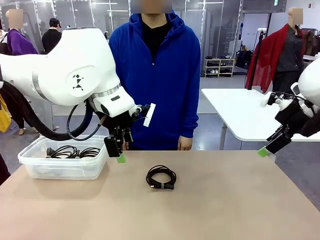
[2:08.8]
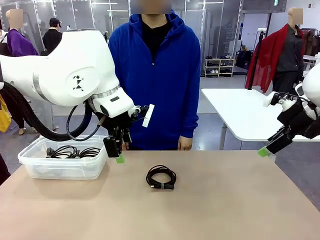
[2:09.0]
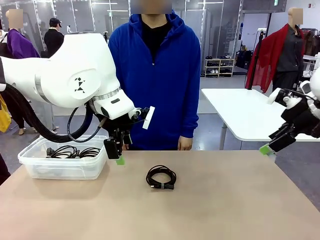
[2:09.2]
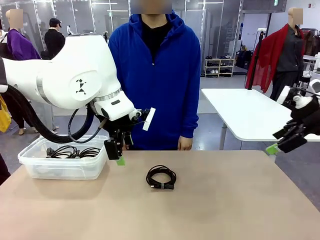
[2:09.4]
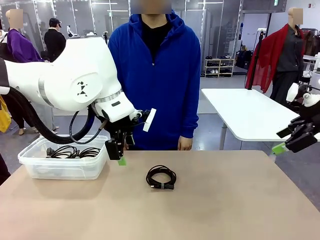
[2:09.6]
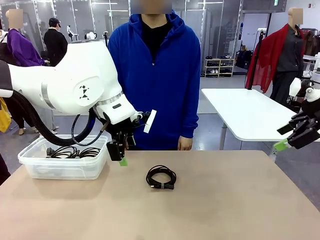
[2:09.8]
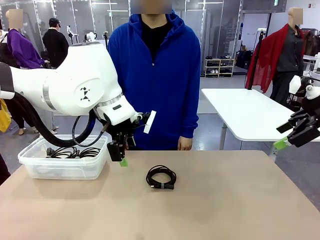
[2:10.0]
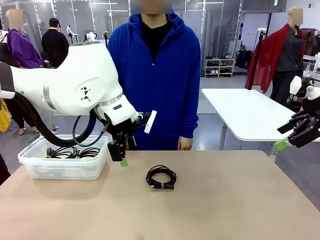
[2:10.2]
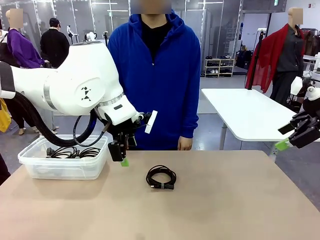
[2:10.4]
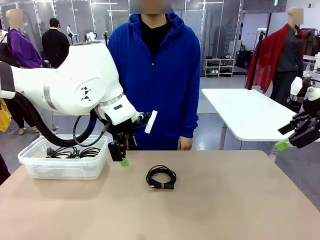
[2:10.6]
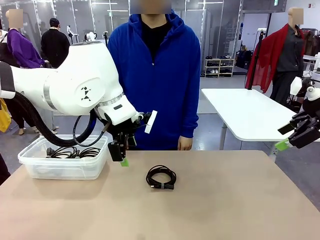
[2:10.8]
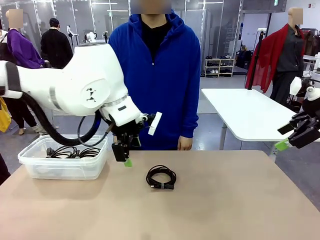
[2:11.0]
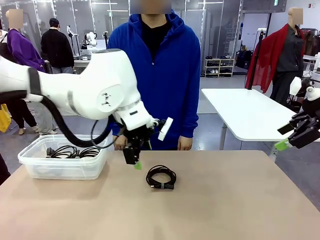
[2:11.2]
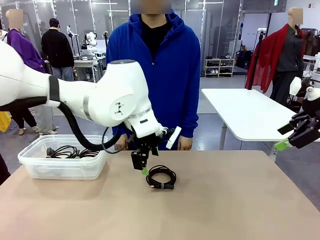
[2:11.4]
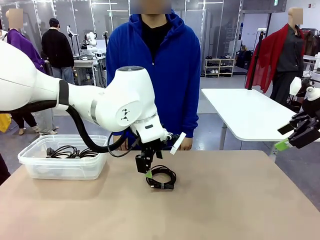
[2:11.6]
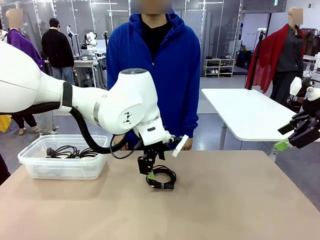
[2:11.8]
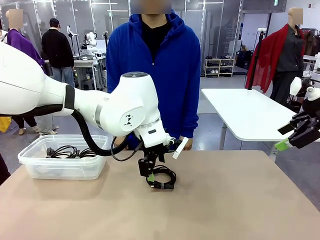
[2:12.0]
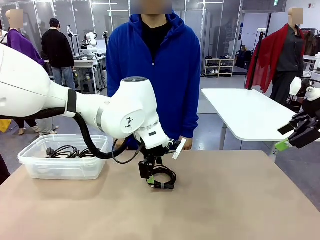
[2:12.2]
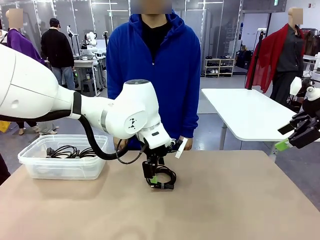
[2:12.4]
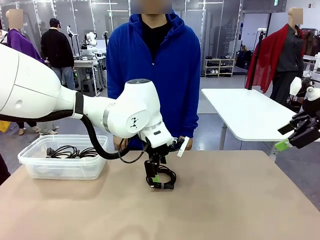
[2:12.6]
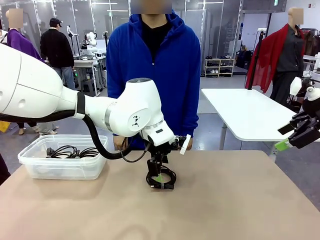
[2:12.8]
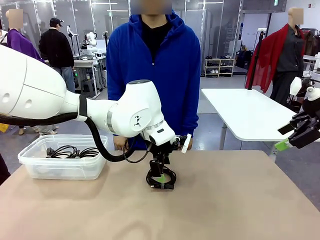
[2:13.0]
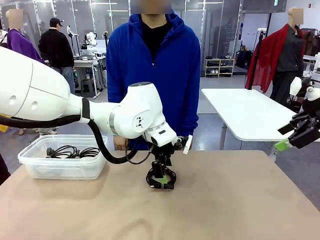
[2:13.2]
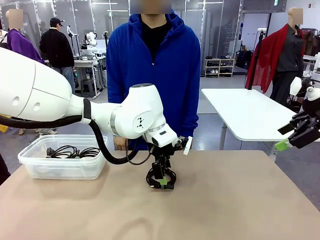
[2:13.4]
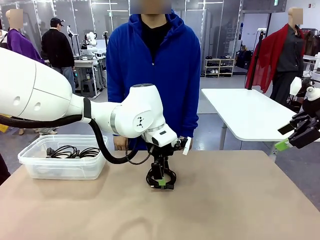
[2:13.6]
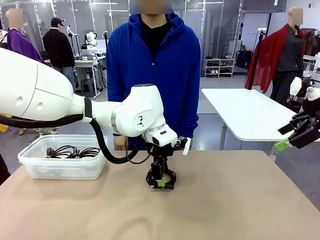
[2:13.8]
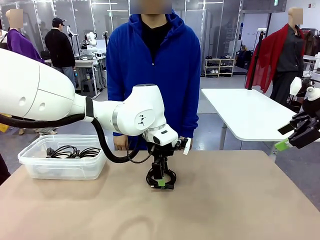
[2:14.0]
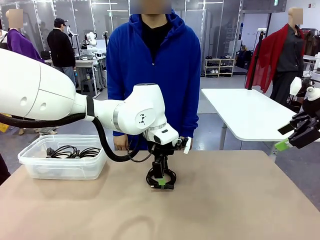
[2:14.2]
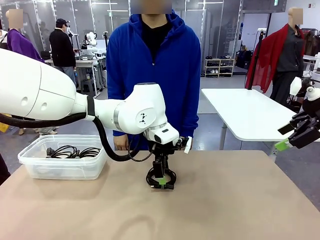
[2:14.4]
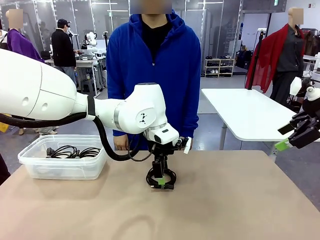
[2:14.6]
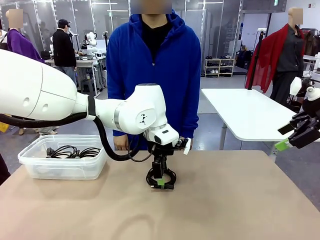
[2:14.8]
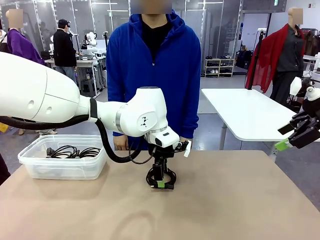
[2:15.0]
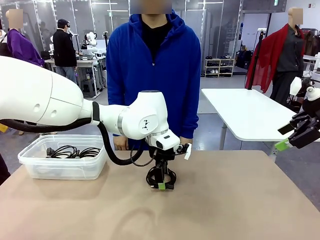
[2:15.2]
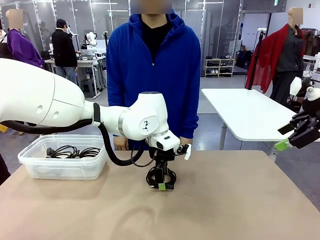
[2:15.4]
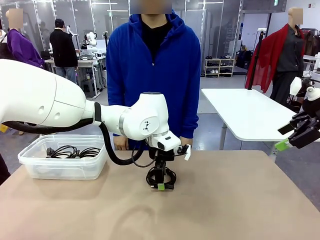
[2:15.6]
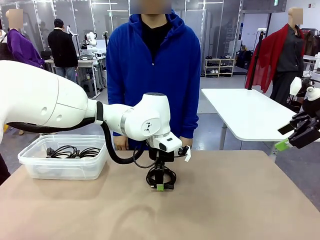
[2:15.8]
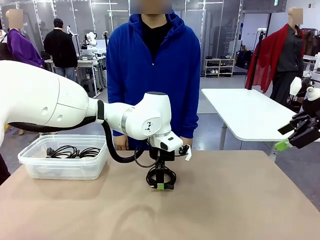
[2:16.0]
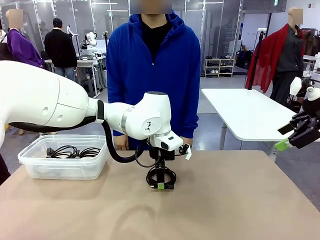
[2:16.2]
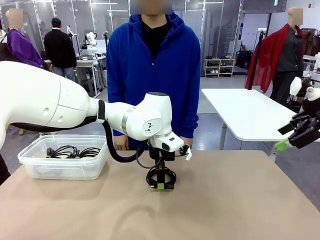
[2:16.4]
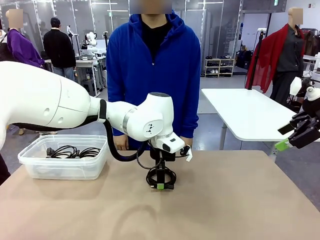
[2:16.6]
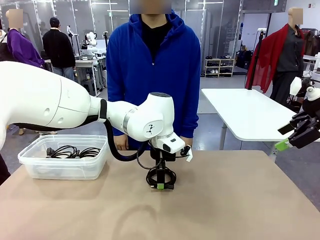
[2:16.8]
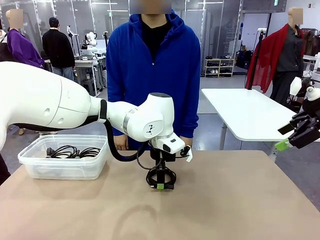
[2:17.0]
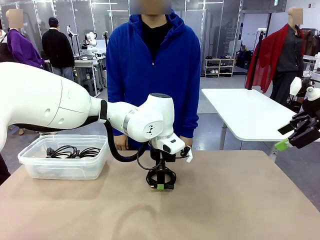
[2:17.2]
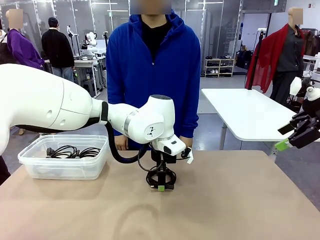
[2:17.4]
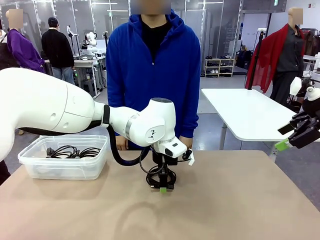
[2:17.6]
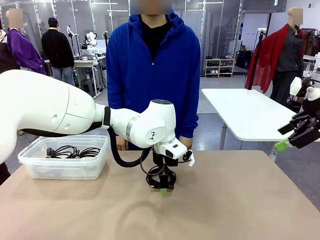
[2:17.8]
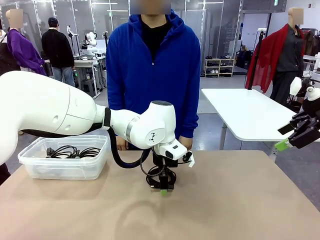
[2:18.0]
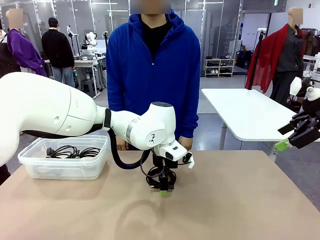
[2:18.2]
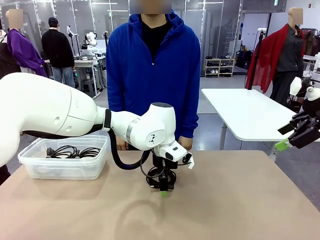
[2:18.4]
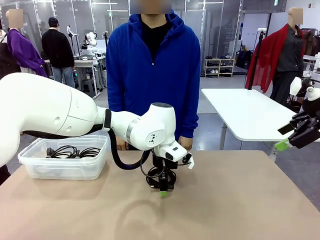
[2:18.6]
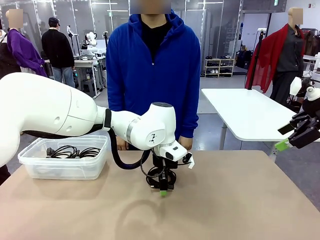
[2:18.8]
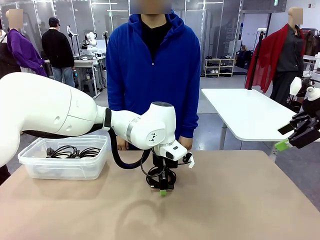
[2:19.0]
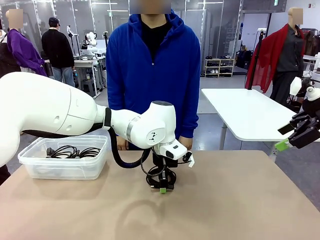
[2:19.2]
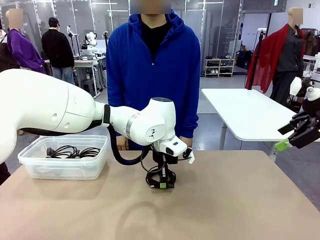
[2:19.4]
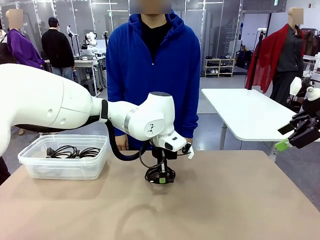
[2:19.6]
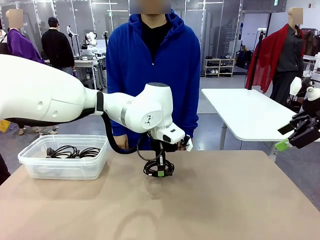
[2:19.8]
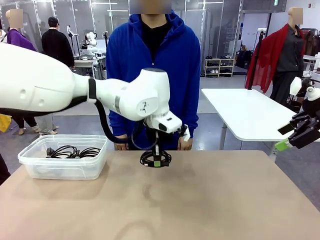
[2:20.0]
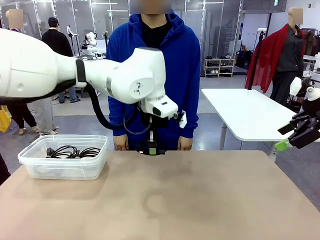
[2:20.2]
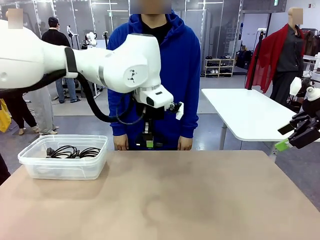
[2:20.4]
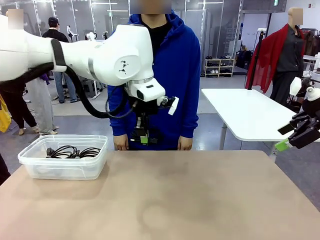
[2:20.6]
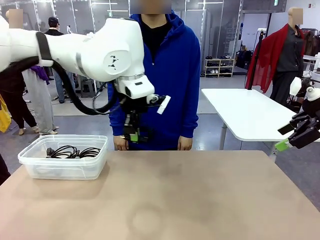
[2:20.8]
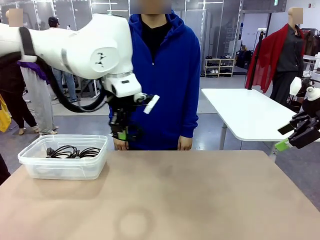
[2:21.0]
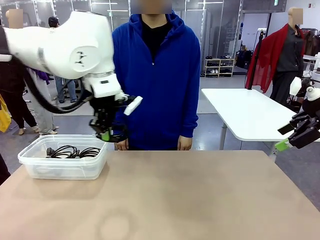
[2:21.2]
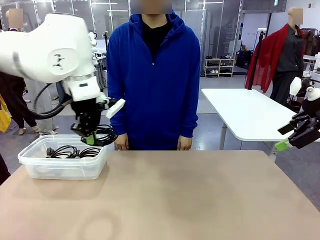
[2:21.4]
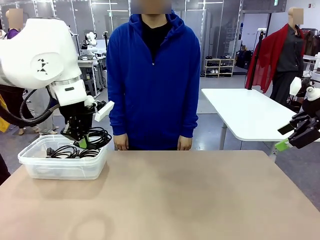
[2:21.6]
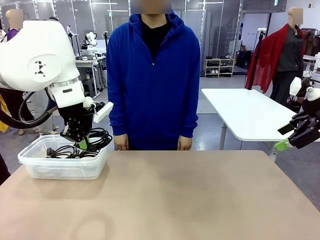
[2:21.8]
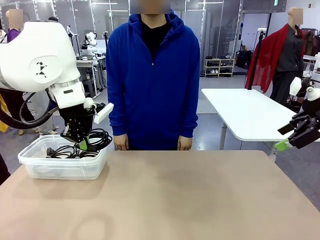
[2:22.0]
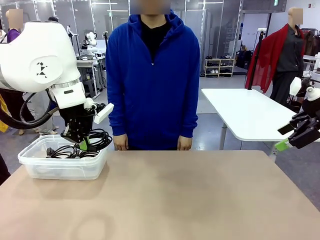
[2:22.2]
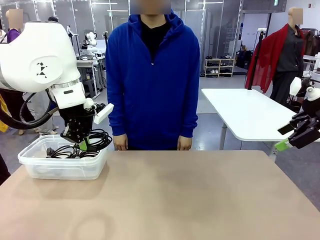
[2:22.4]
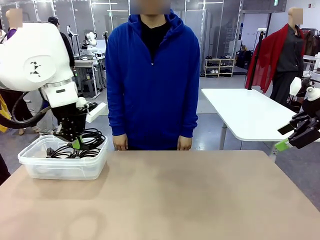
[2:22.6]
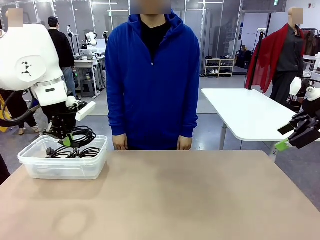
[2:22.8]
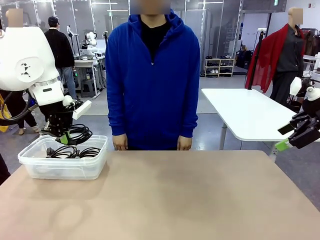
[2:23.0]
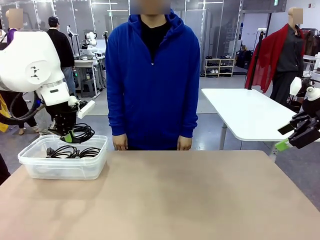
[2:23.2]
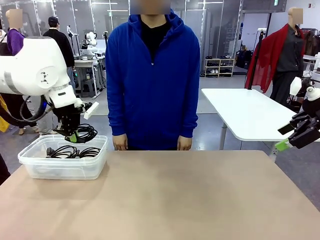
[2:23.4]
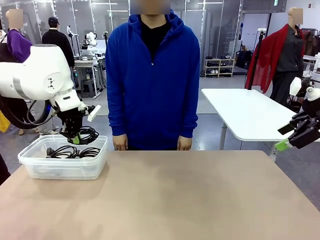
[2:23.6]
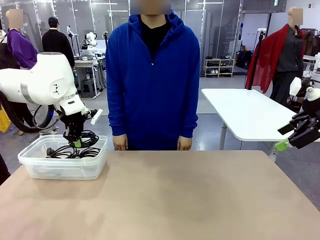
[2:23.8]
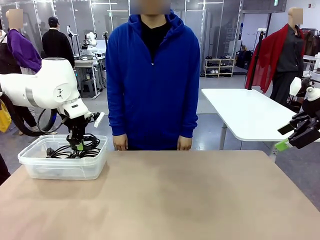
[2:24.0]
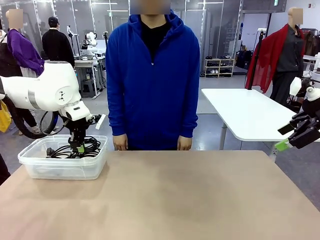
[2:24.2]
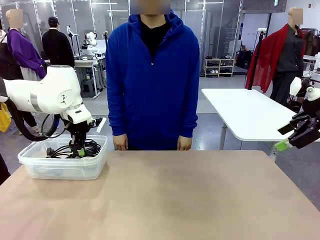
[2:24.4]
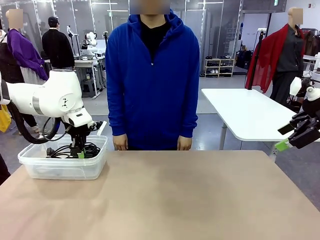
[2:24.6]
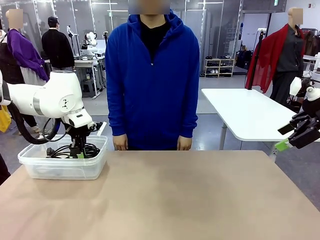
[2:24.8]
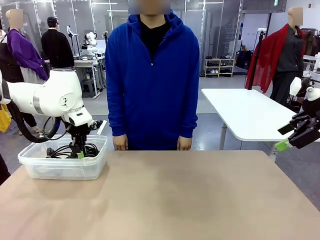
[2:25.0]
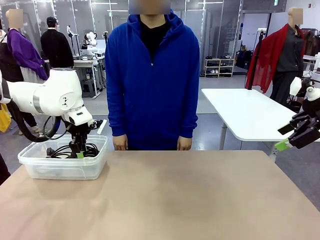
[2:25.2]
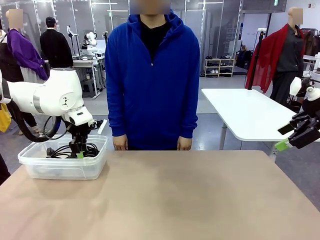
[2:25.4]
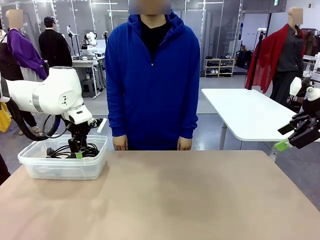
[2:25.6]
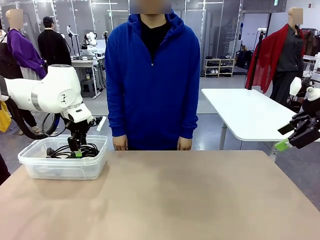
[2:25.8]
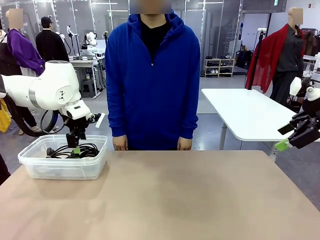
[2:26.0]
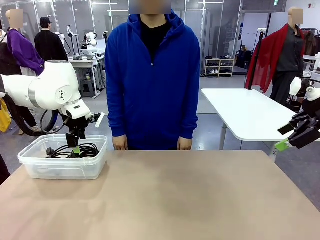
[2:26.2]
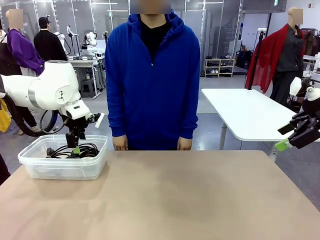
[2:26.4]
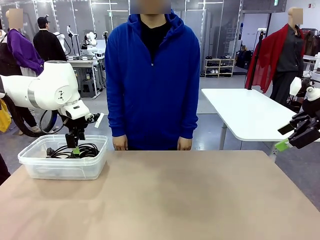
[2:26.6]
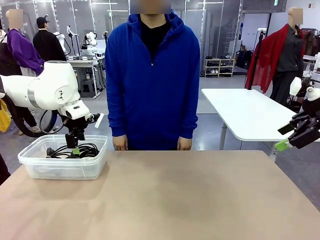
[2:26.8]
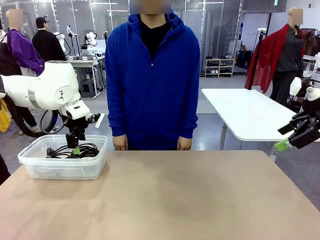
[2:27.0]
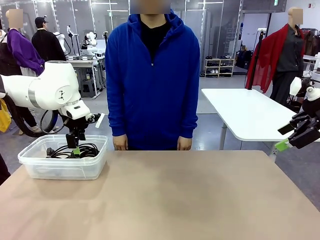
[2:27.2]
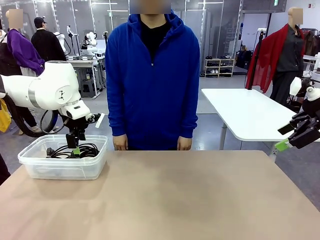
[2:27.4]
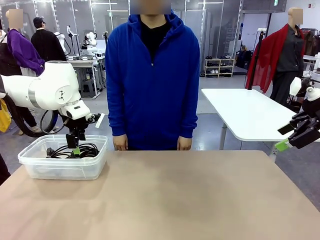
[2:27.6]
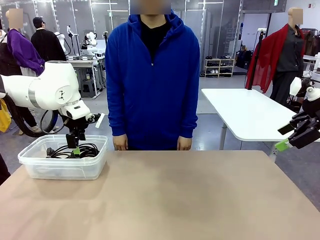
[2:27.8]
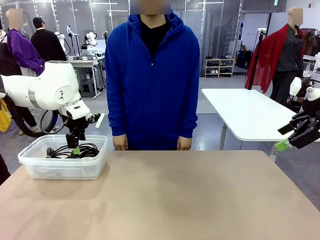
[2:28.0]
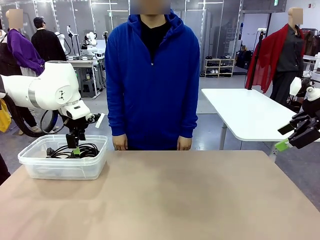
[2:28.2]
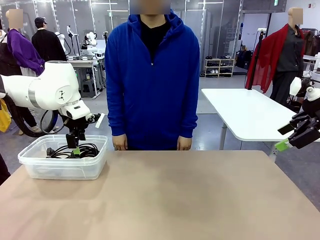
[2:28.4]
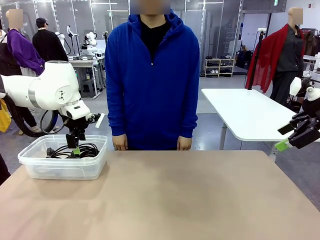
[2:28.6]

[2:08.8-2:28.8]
Task: Organize and store the cables.
Robot: Place the USB Extension Cable into the Organizing box.
